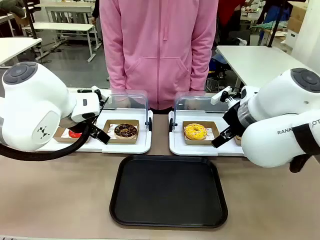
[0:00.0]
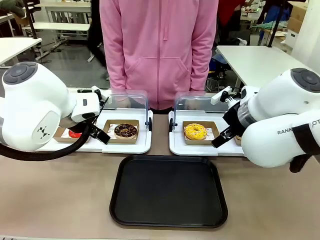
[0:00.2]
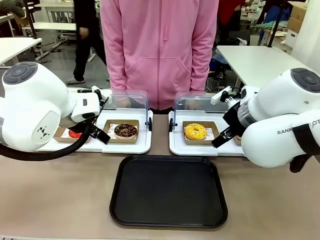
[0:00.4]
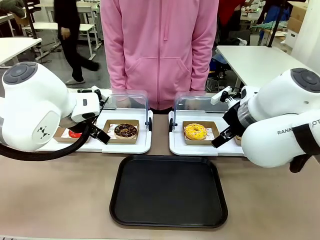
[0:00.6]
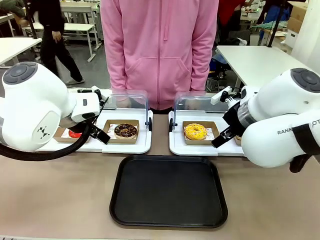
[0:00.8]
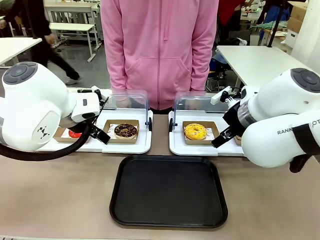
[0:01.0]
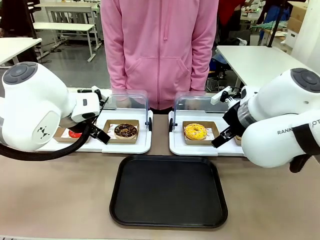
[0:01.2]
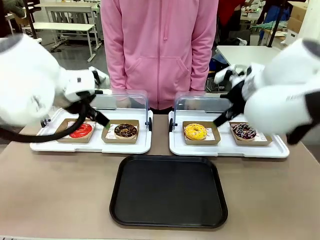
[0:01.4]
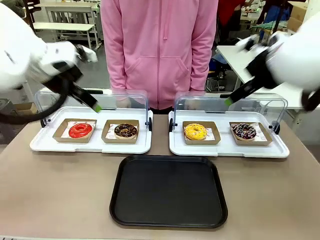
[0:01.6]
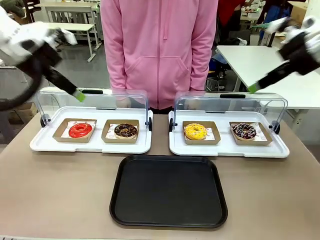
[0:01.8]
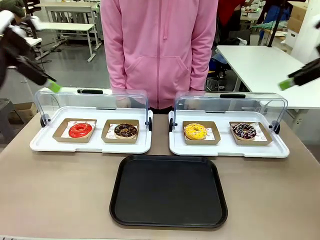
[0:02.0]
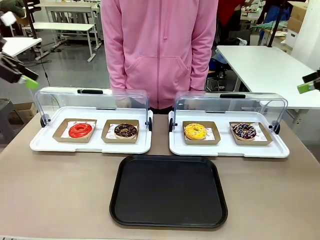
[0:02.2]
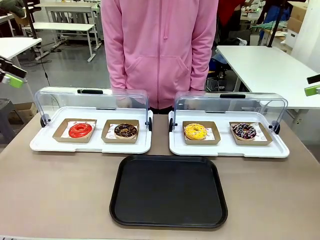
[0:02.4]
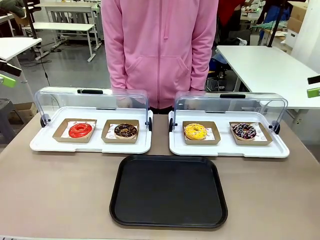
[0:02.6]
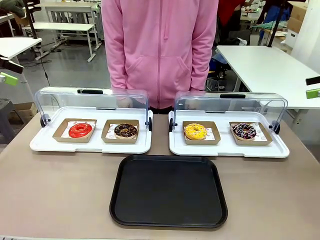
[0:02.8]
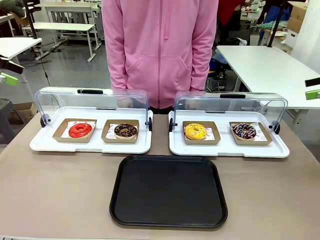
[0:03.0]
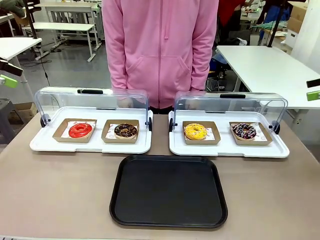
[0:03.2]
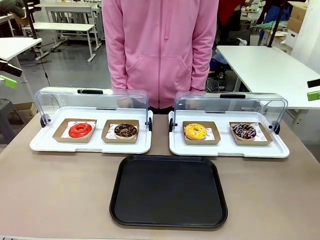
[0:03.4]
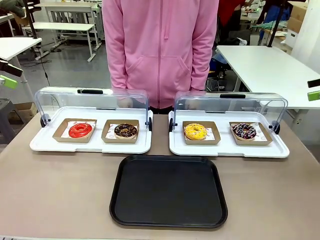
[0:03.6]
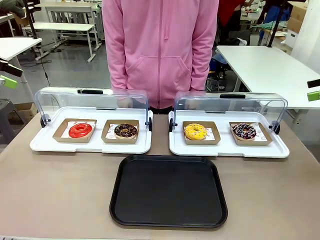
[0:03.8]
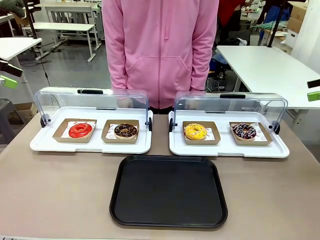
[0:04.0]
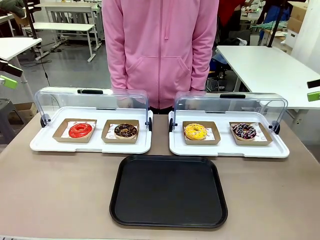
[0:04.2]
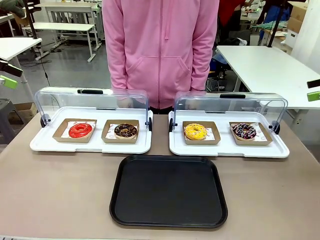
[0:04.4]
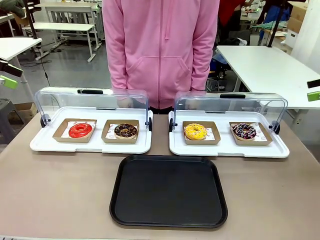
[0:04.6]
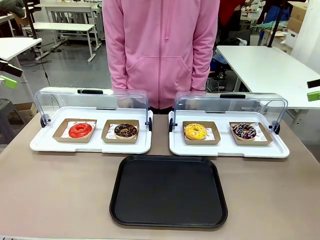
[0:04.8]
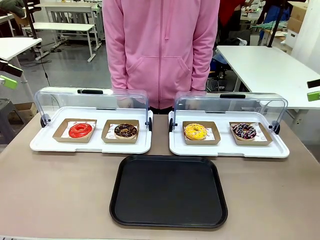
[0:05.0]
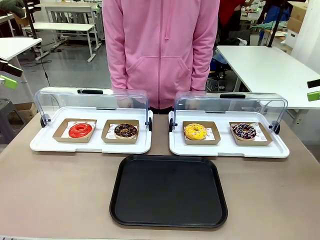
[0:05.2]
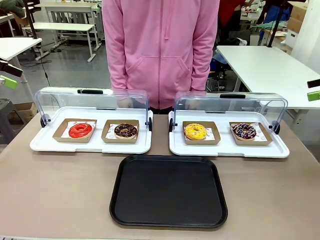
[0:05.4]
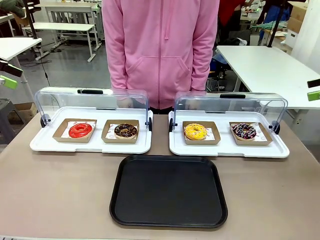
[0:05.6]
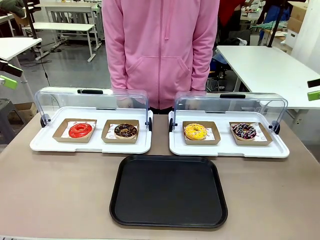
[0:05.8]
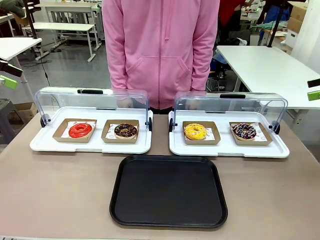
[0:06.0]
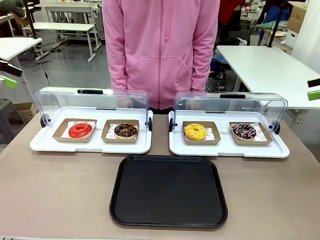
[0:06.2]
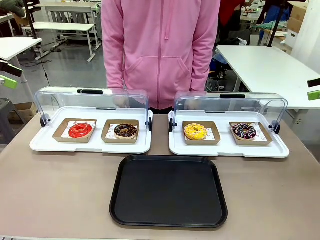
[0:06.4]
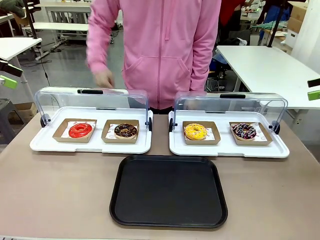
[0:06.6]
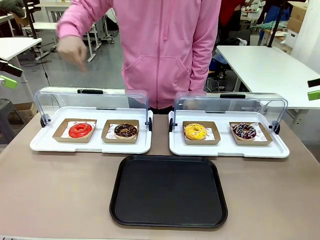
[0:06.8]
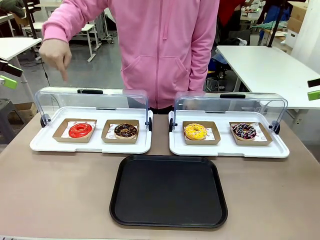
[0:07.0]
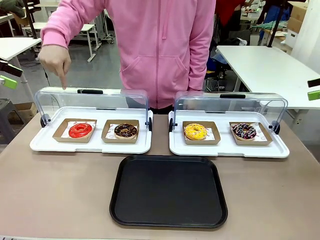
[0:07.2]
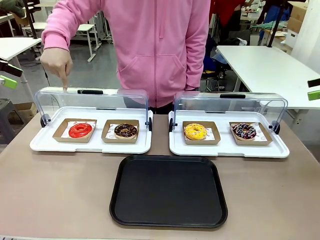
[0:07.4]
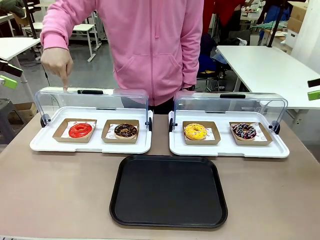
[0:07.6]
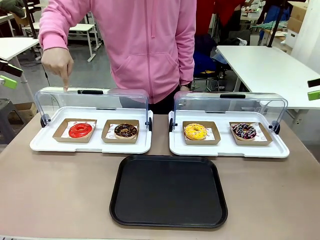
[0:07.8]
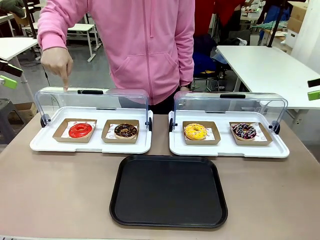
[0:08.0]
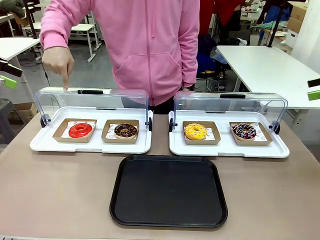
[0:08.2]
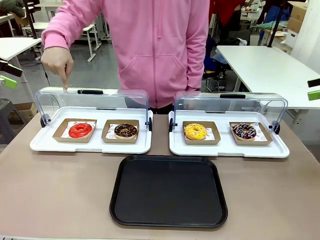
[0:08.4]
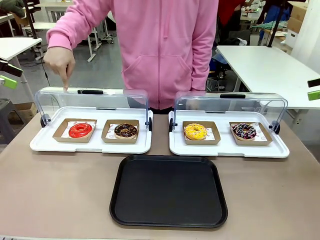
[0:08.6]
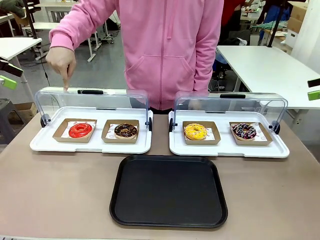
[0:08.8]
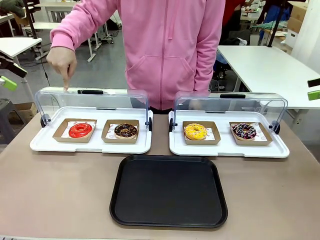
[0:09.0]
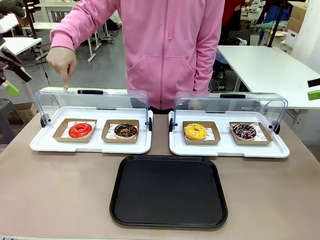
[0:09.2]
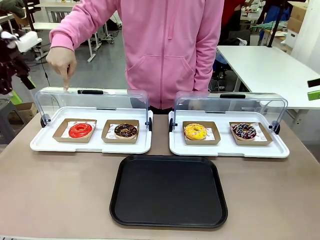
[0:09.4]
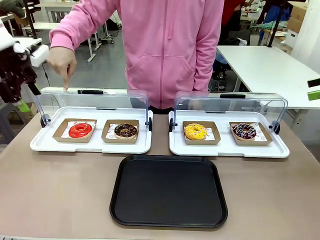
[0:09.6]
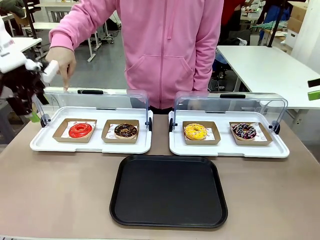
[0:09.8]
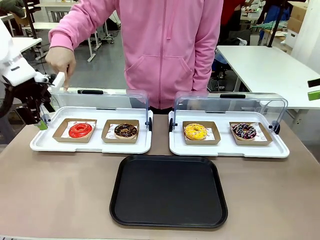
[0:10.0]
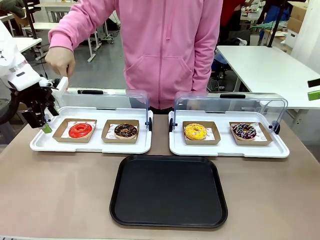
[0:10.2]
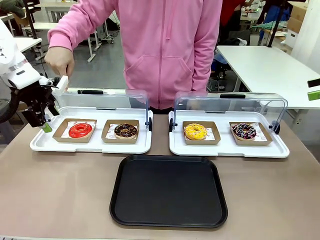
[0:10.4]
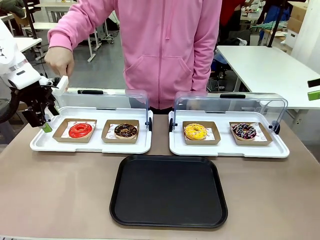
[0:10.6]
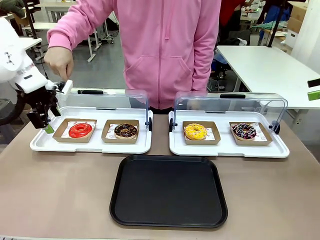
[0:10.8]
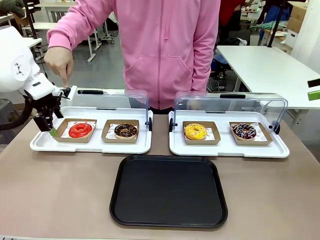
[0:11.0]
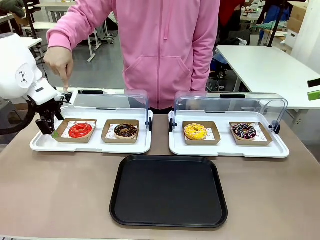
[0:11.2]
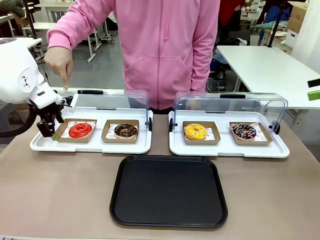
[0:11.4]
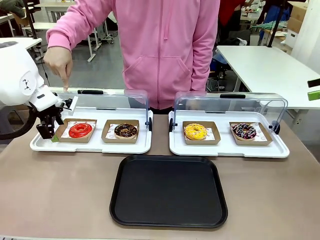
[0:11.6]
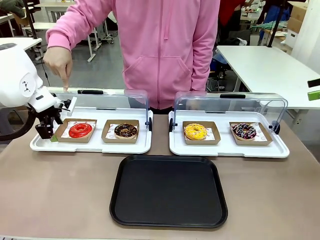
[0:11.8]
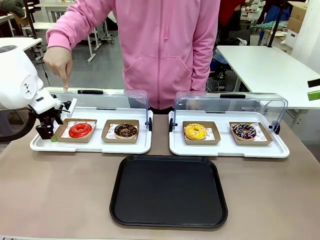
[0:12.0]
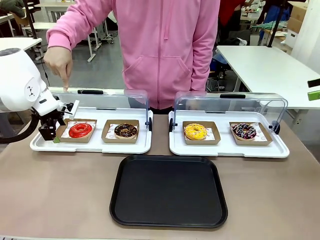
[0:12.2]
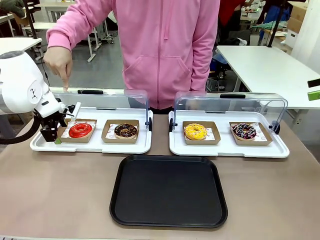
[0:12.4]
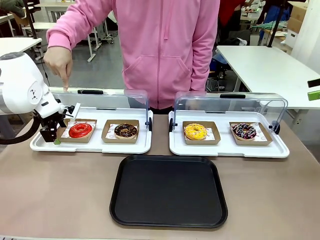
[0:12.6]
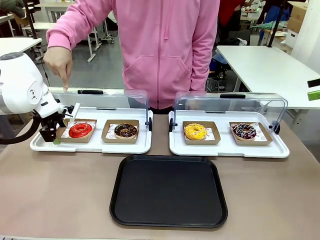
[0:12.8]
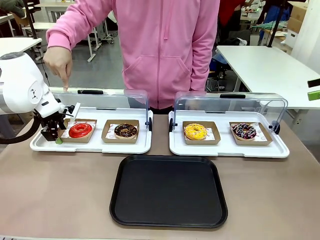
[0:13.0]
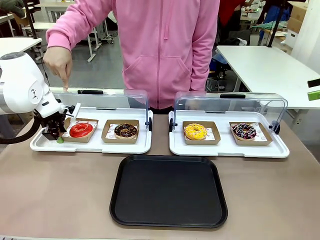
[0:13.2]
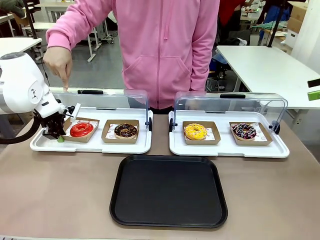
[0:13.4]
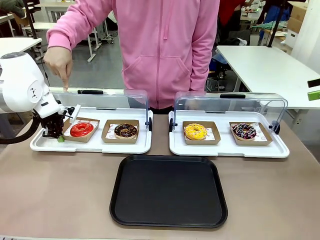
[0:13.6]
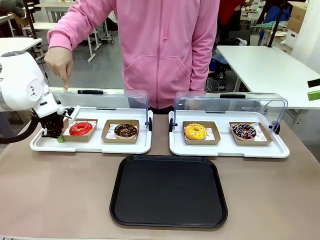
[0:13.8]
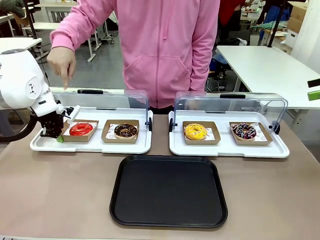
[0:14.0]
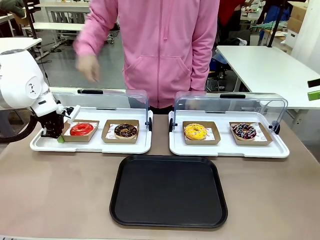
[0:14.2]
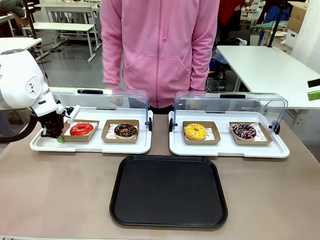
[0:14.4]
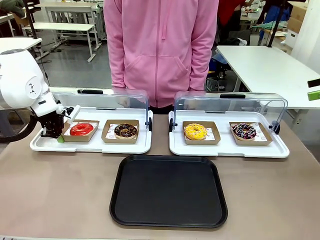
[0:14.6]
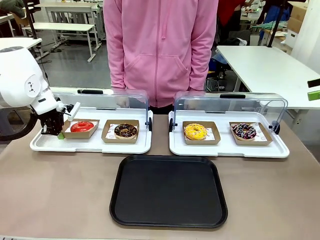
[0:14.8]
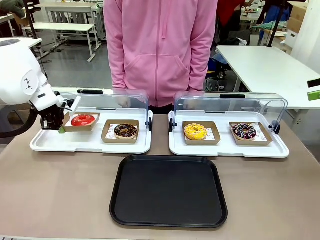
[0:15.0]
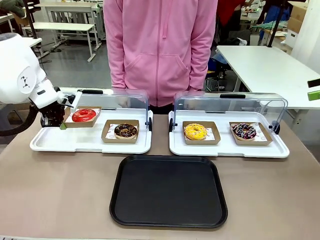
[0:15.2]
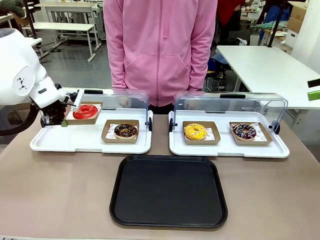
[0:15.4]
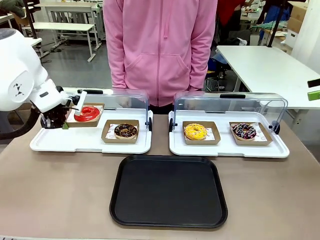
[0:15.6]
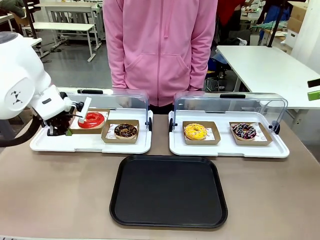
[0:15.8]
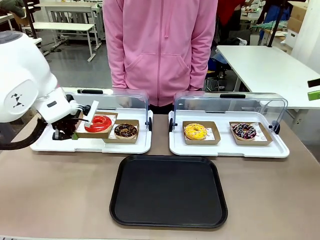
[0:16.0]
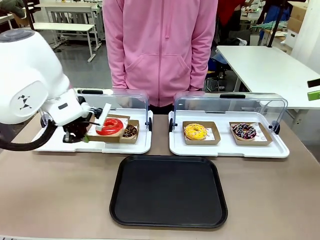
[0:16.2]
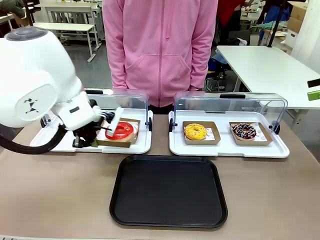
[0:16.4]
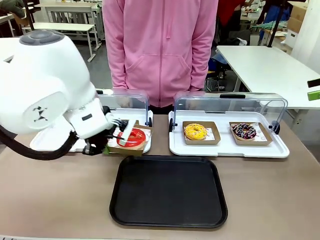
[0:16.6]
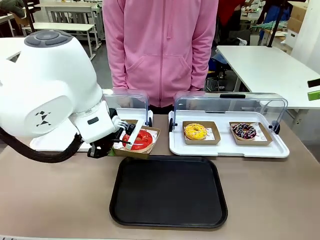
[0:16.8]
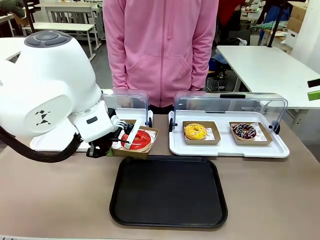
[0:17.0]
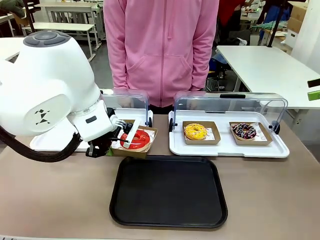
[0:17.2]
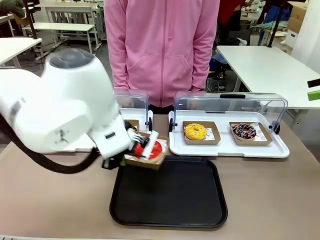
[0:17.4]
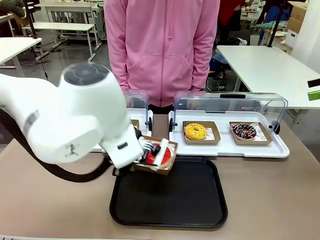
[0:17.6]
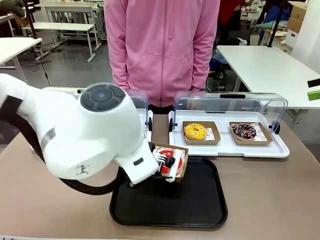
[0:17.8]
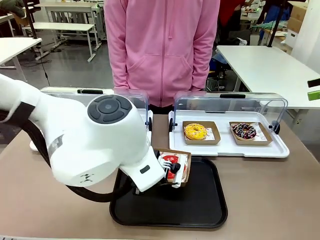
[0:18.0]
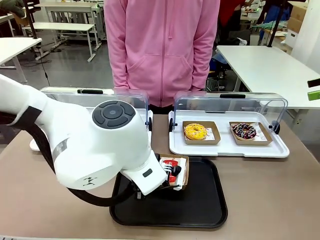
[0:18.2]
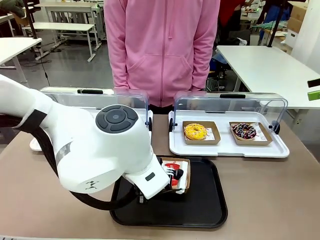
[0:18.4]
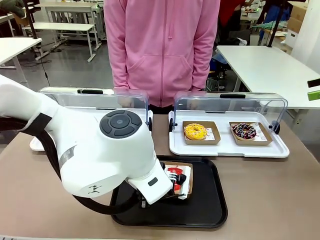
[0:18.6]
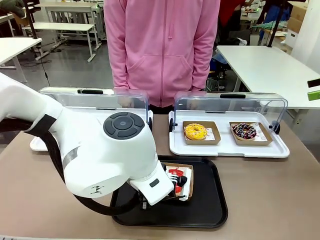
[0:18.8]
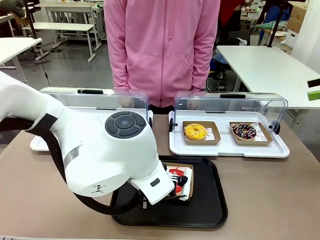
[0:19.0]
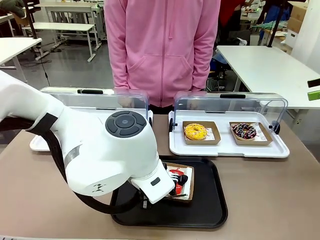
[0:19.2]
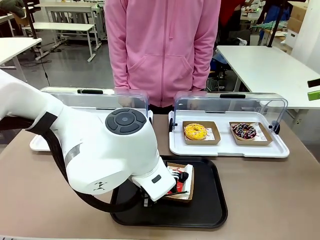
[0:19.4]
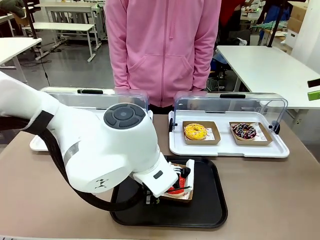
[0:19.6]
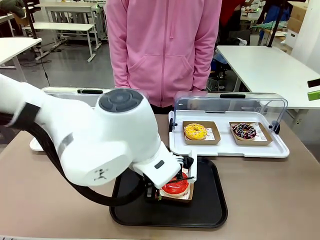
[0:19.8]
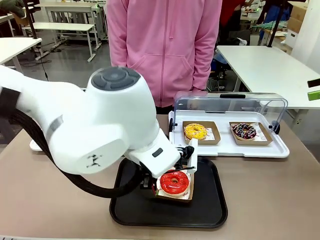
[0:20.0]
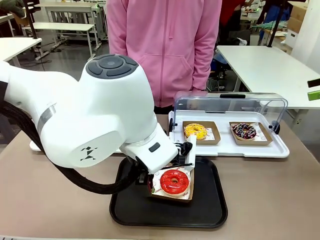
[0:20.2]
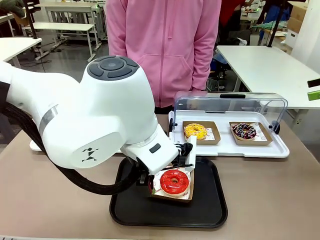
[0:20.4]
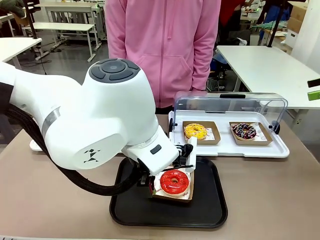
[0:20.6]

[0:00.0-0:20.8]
Task: Move the first donut from the left to the tray.
Robot: Pick up the Paper togo box containing the Donut indicated by the person and place it on the Handle tray.
Person: Points to the first donut from the left from the robot’s perspective.
